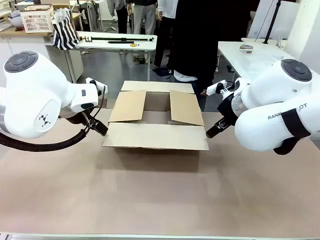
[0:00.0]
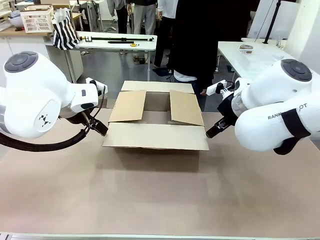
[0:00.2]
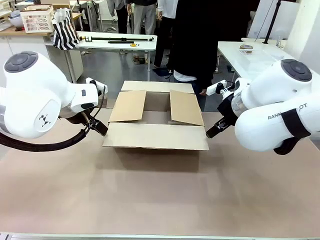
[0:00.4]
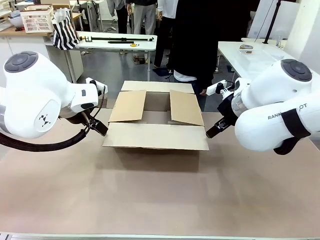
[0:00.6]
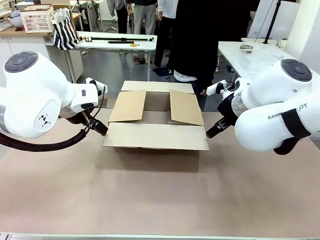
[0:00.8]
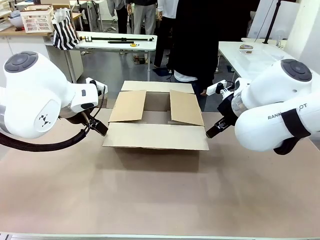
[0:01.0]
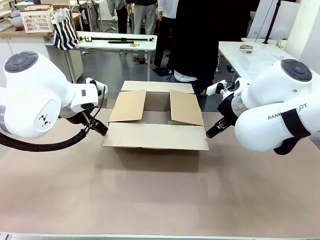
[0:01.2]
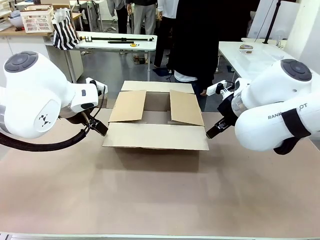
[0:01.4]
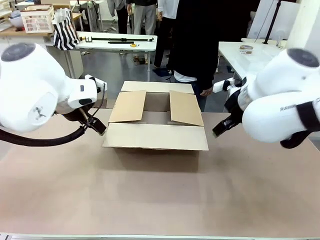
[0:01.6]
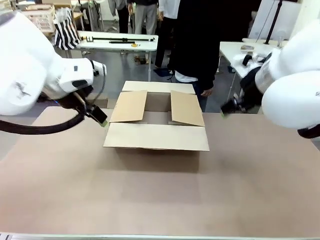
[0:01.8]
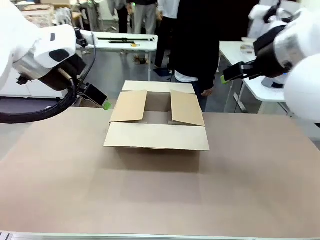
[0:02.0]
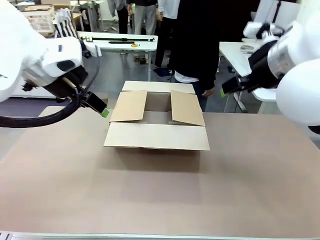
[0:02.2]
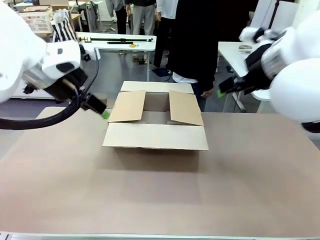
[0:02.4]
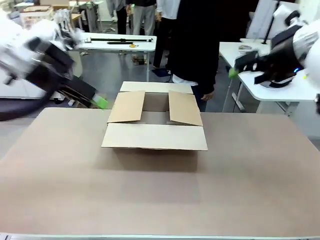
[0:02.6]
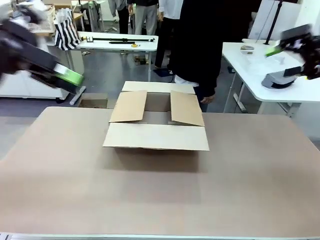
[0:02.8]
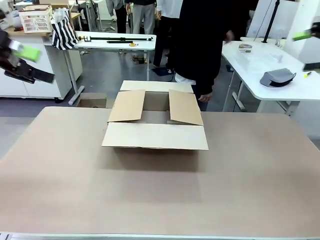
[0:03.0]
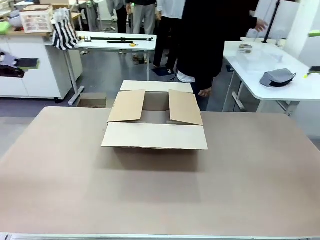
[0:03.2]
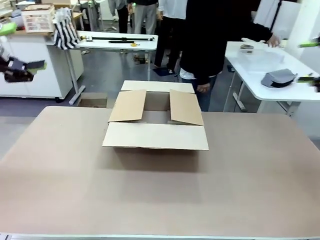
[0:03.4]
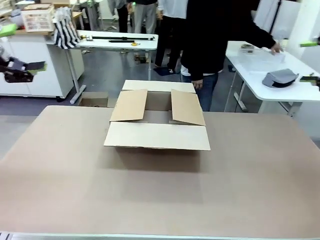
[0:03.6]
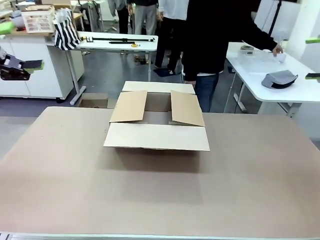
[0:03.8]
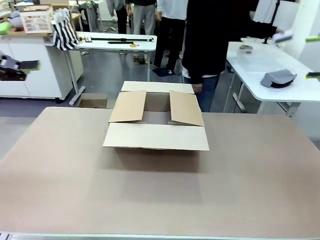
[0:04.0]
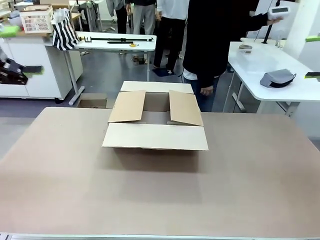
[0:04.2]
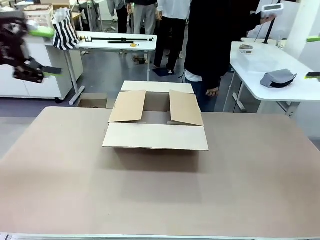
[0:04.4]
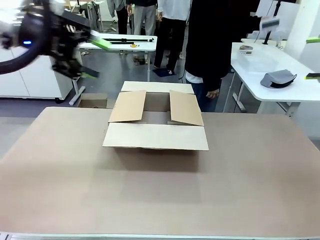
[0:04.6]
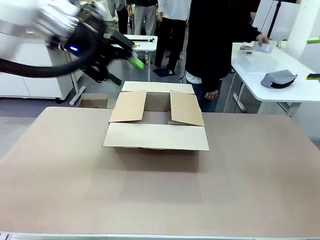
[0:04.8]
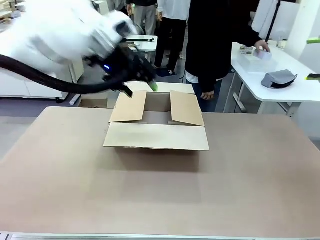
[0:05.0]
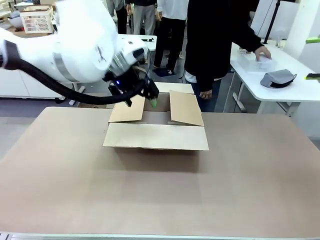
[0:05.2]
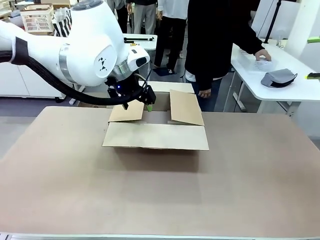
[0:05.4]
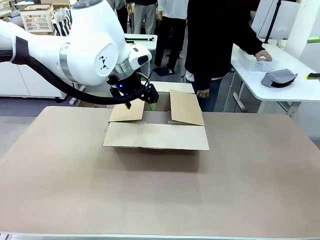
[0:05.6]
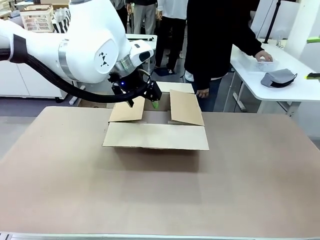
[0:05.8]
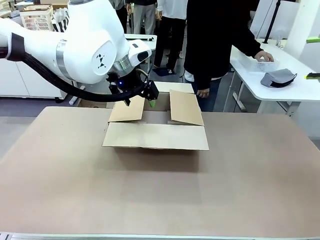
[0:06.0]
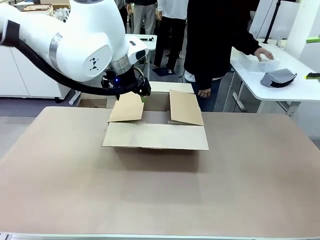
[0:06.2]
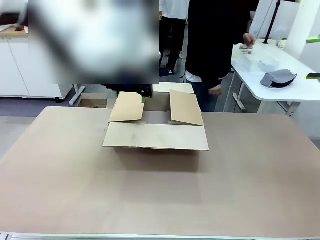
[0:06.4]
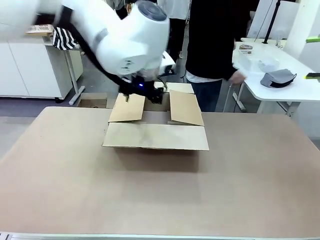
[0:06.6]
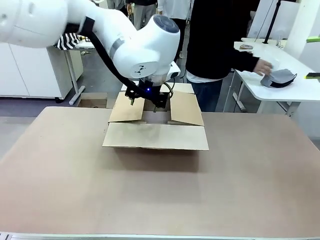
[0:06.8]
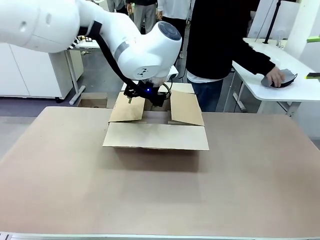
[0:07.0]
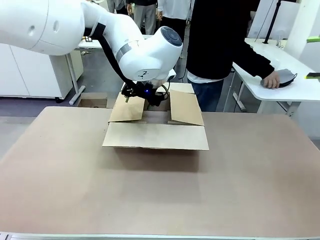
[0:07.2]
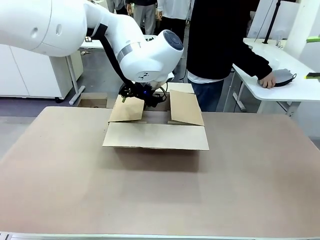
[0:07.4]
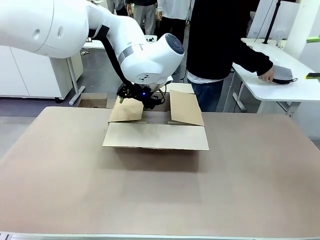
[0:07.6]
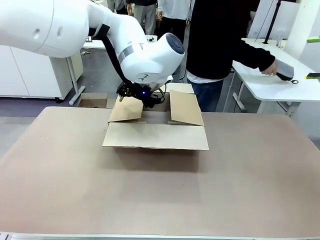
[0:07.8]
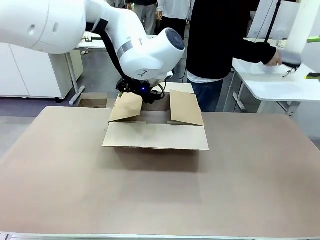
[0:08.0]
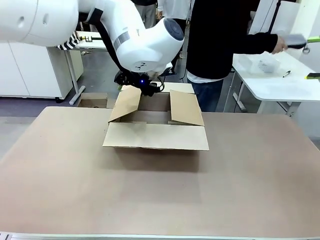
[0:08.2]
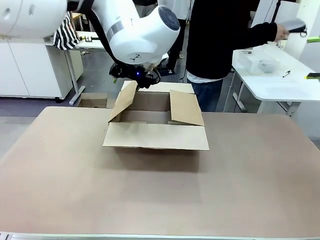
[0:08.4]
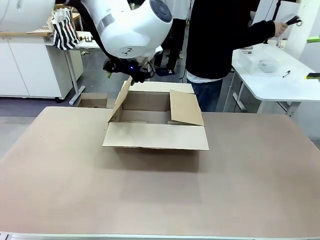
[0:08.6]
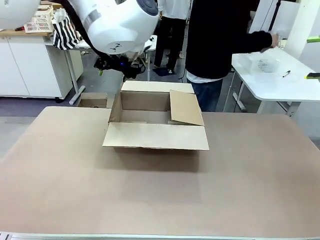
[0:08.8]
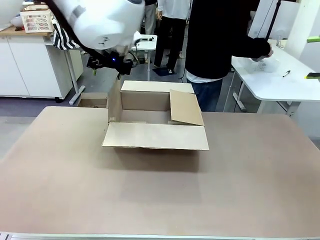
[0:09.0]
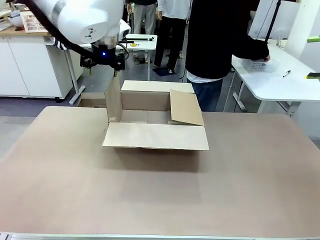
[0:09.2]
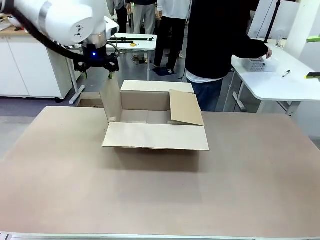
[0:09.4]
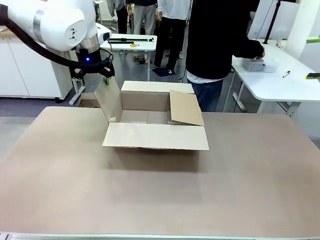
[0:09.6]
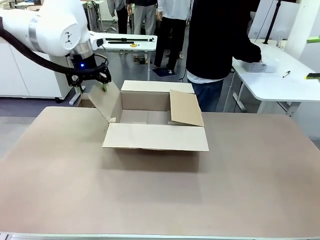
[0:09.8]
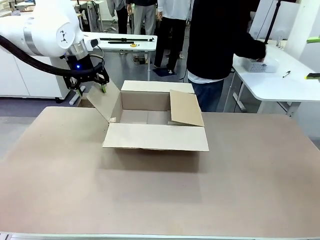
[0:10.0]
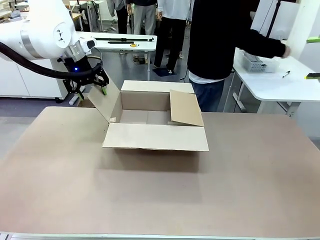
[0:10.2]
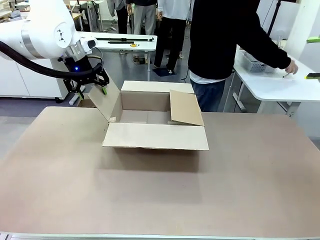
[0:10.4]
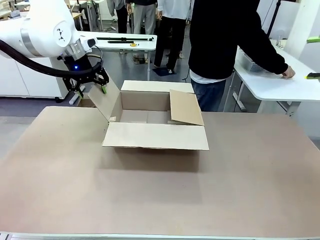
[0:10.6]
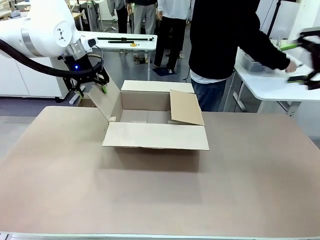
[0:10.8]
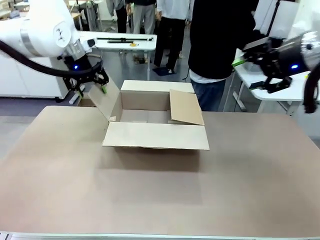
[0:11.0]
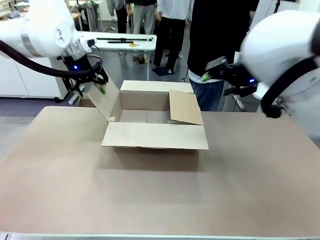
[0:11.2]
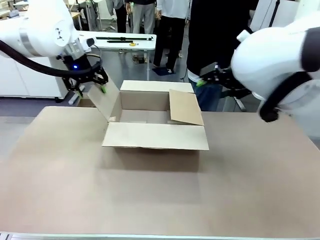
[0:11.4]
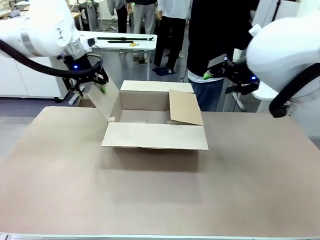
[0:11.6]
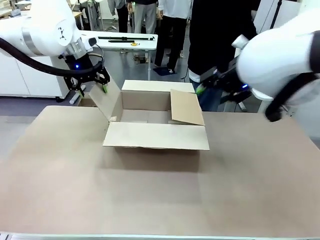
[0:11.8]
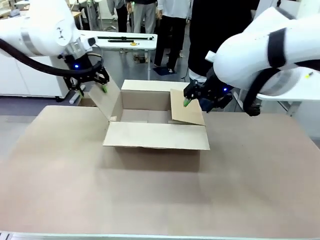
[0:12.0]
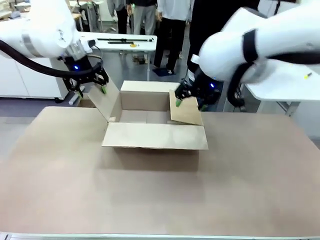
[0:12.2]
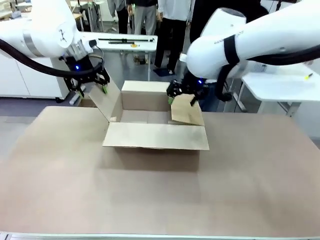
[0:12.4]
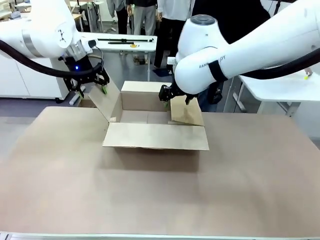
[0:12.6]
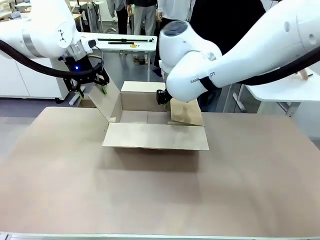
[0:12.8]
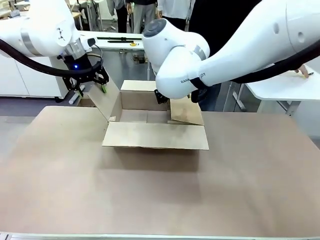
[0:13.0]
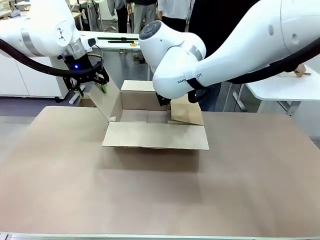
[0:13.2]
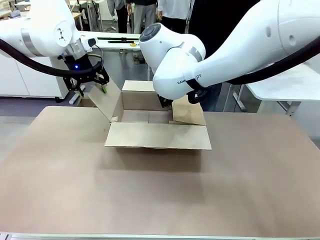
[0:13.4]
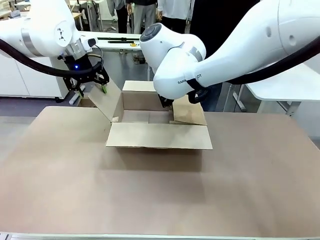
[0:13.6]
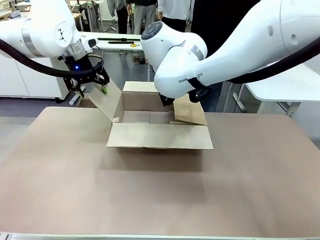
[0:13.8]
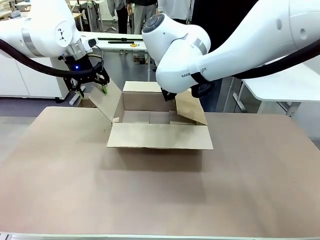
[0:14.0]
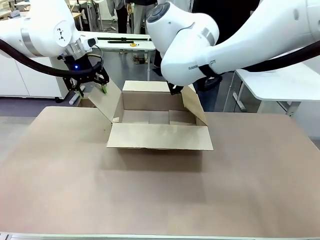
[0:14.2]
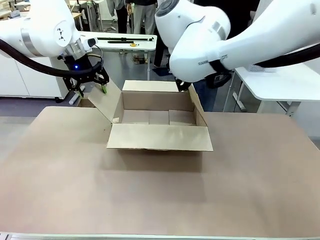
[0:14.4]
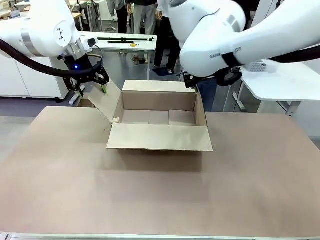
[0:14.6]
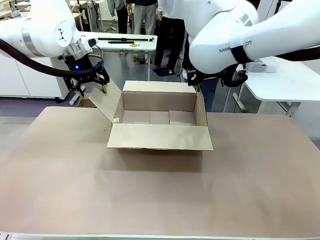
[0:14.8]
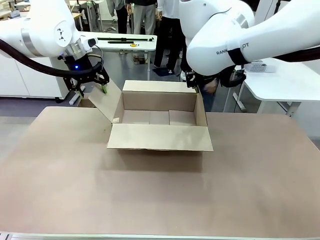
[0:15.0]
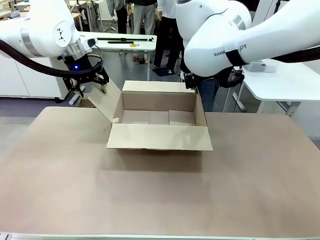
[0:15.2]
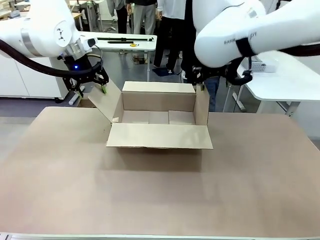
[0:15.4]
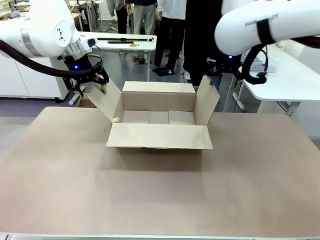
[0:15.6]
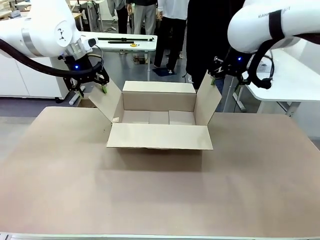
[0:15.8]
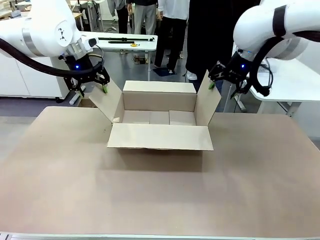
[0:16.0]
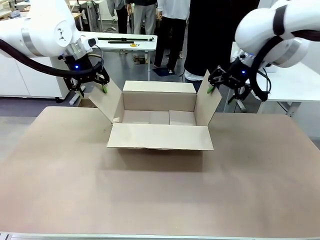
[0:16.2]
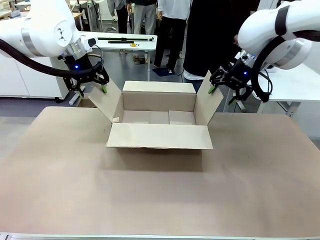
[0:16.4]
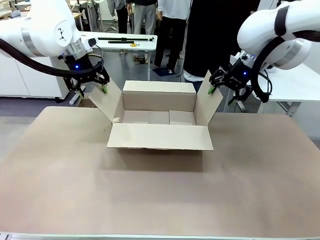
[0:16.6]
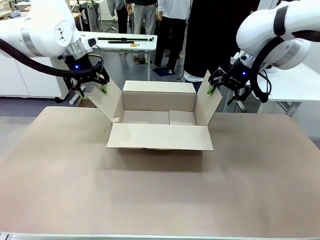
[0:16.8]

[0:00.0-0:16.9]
Task: Pack the gift set into the box.
Robot: Place both hands on the side flaps of the Package Box and spread them outward.
Person: The human places all items except the paper tape into the organizing basket.

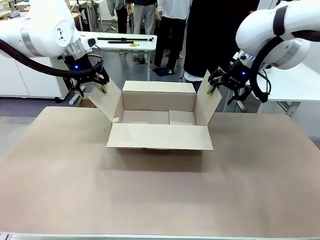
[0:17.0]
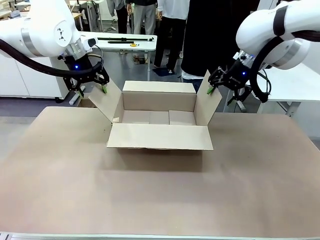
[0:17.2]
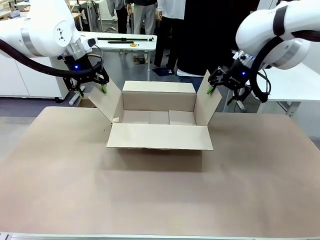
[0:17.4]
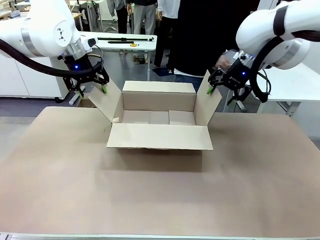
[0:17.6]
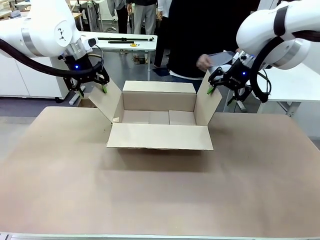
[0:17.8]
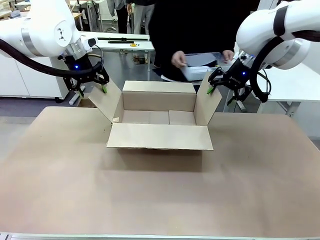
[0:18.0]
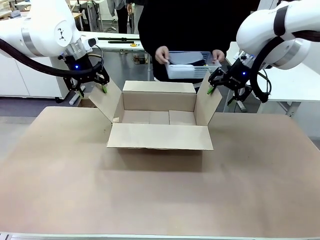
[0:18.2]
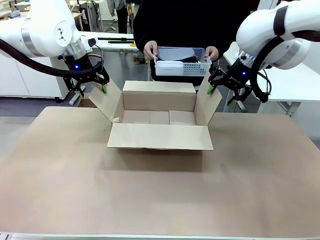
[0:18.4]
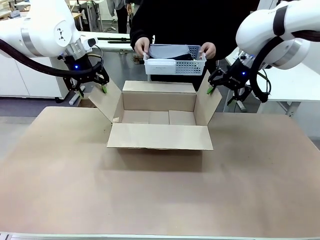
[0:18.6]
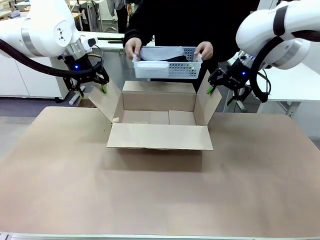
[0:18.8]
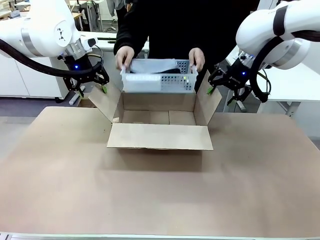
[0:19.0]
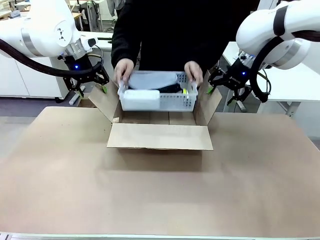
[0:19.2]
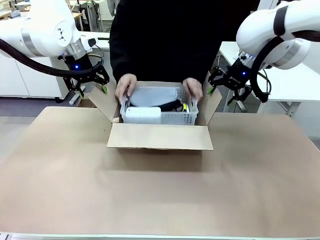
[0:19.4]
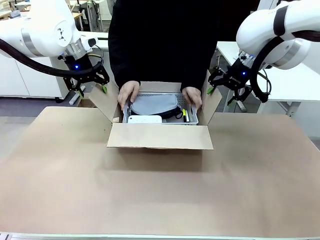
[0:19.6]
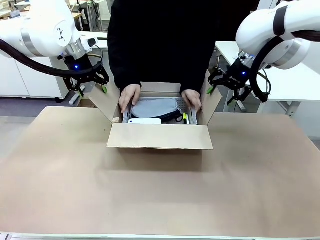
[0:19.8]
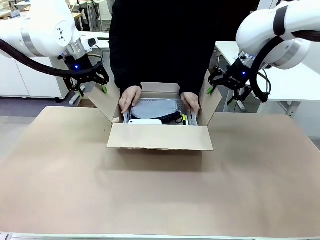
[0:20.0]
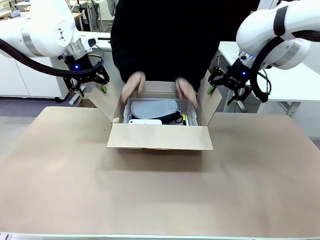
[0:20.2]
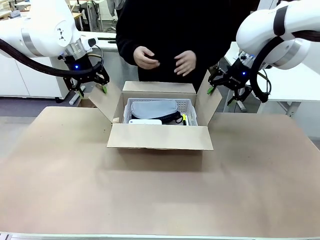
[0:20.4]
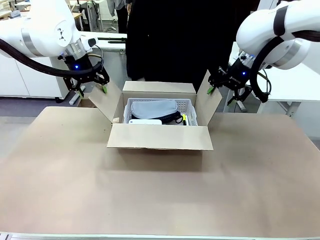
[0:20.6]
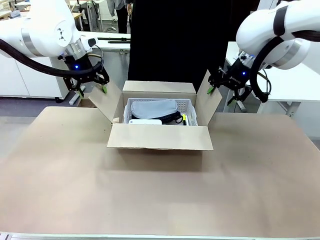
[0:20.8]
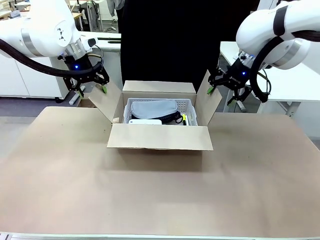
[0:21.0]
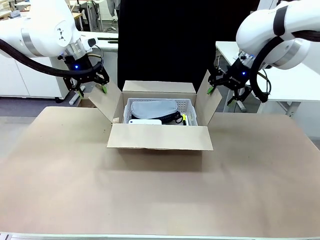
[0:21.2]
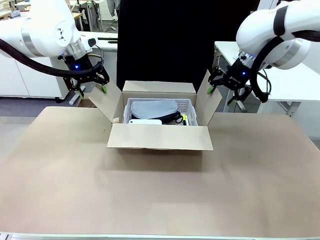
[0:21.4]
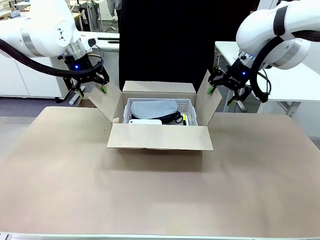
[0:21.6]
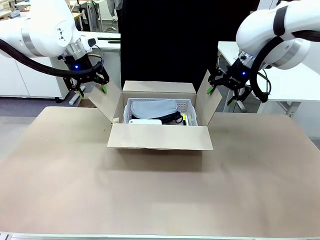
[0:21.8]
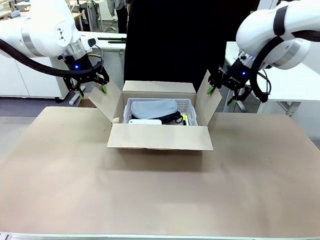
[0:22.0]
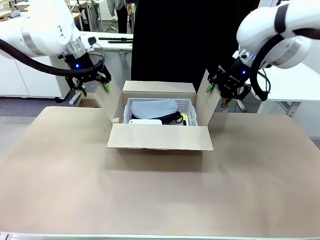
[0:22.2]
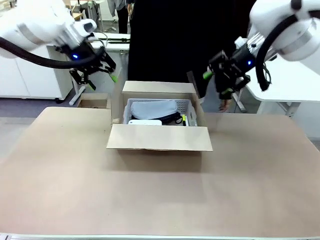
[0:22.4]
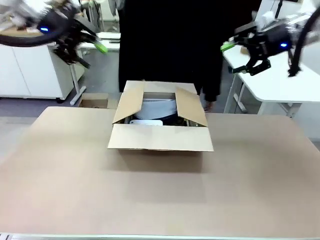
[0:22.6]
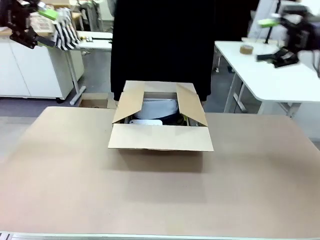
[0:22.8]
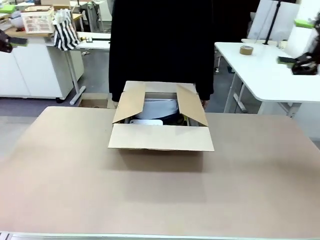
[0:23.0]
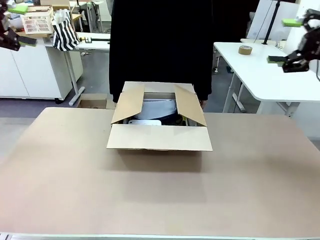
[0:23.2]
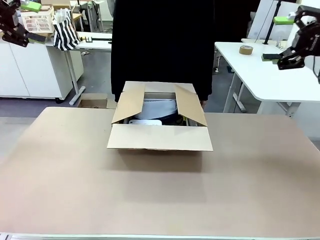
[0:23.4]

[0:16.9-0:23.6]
Robot: Lift both hands away from the flaps of the Package Box.
Person: The human picks up the organizing basket and places the organizing basket into the package box on the robot table.
